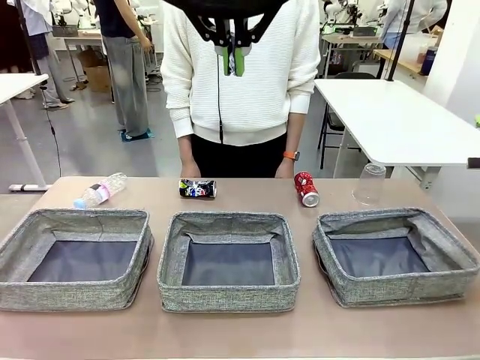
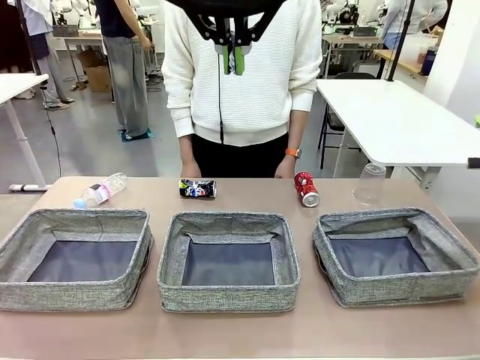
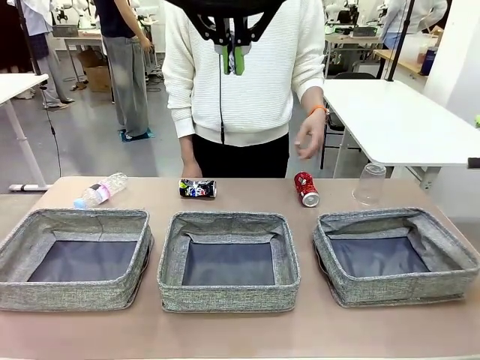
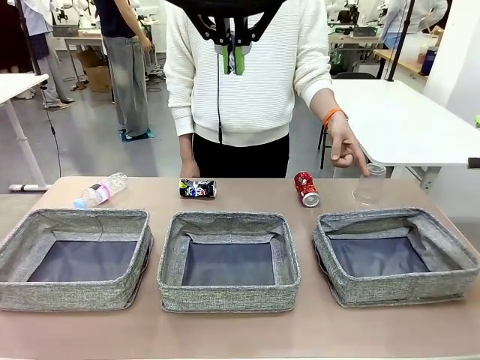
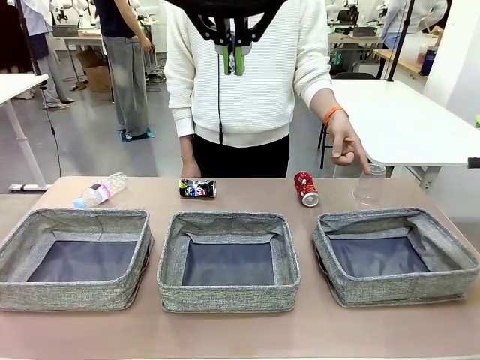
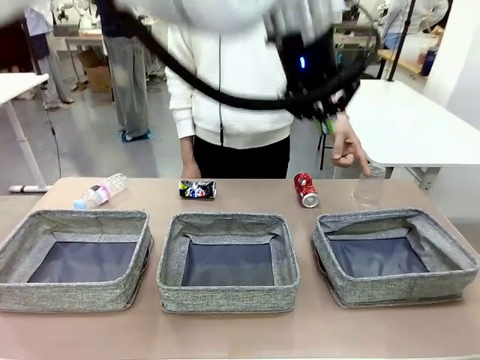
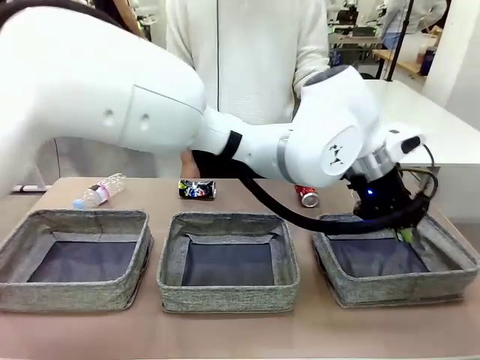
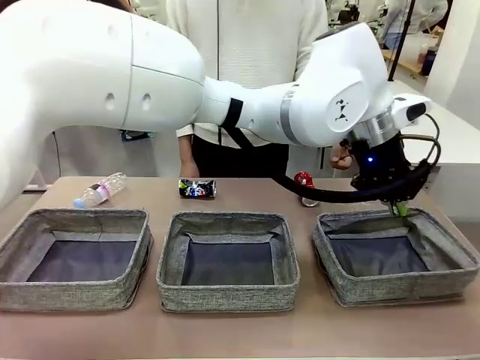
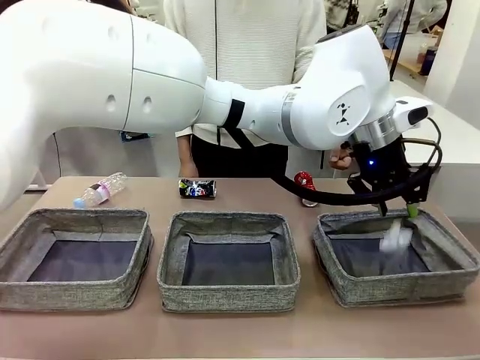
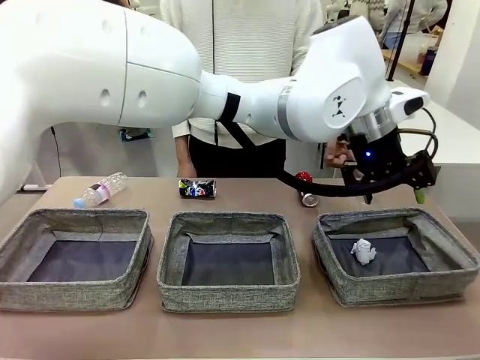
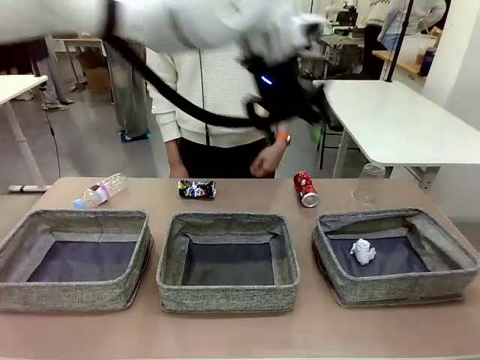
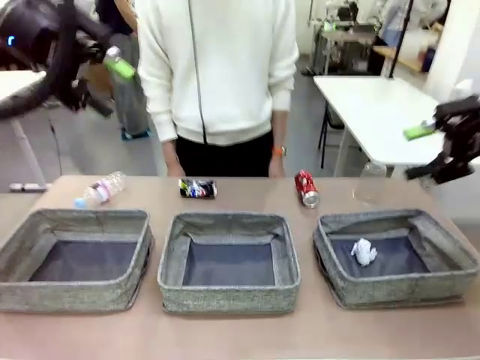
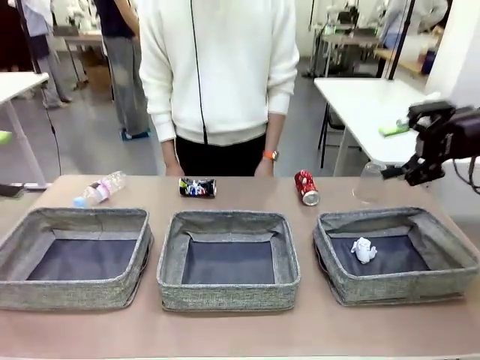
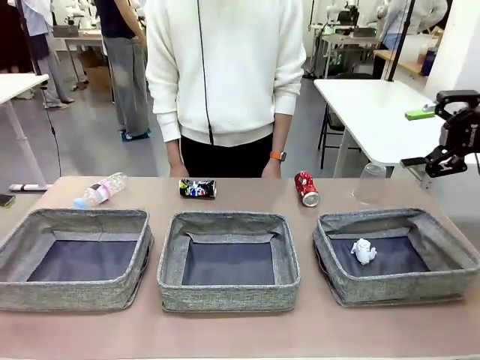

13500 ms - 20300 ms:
Task: Sort the waste into the appropriate baskets.
Robot: Place the picked waste into the Fabric basket indicated by the person.
Person: Instructs the robot to place the picked-up trash into the appropriate organizing basket.

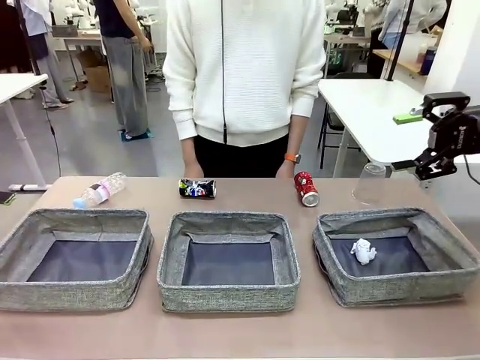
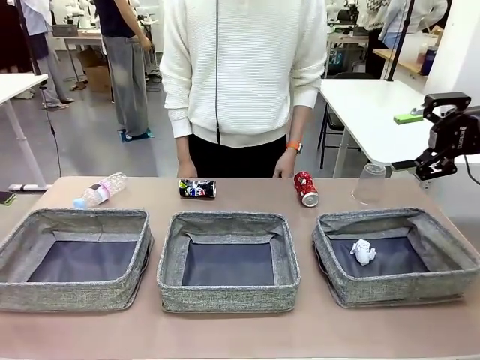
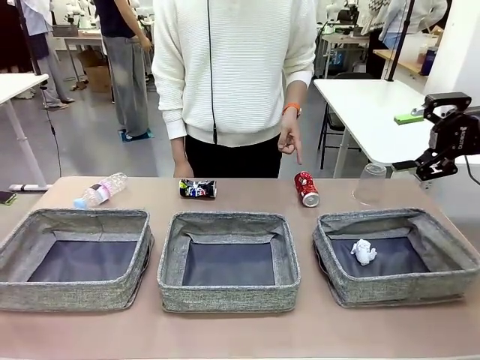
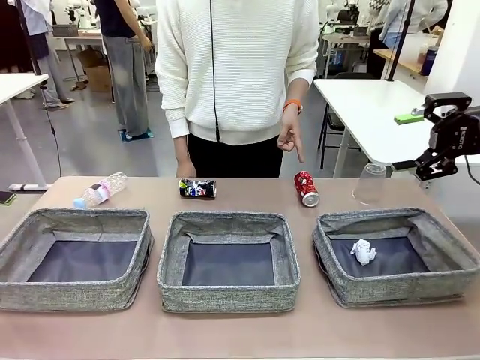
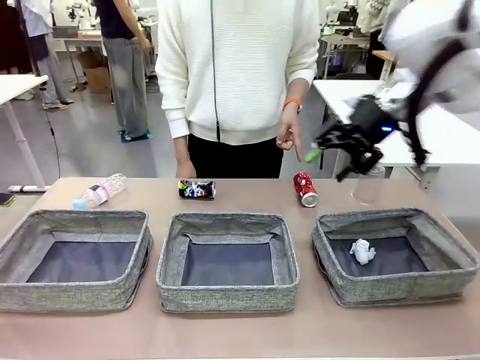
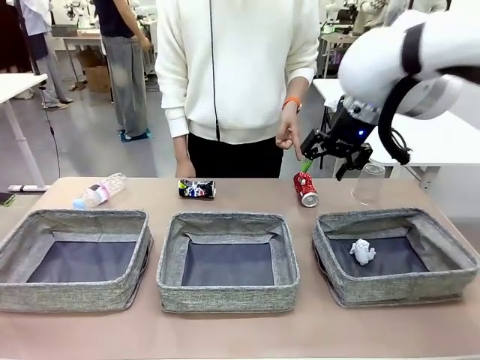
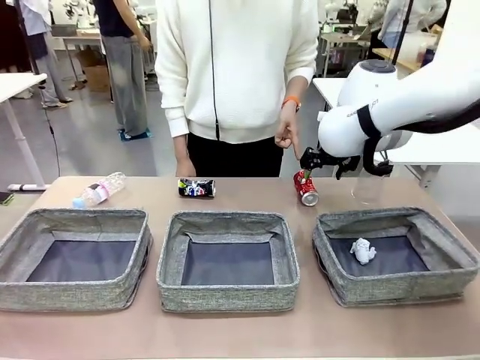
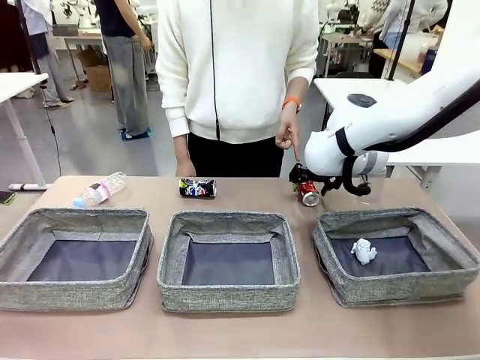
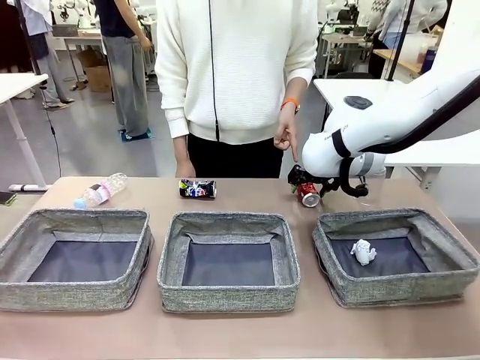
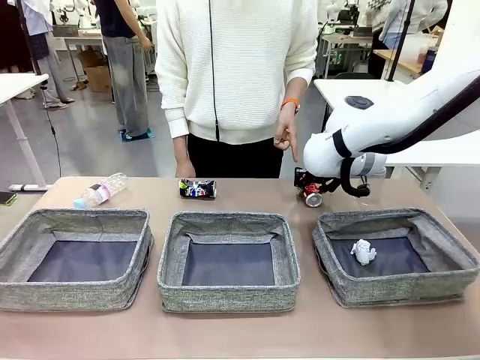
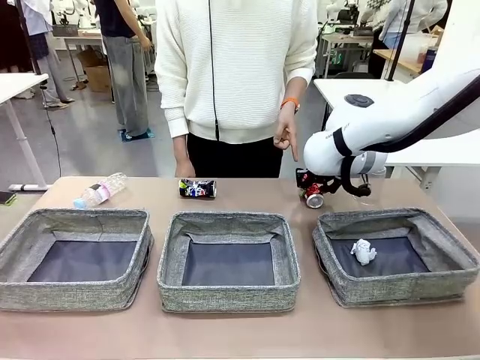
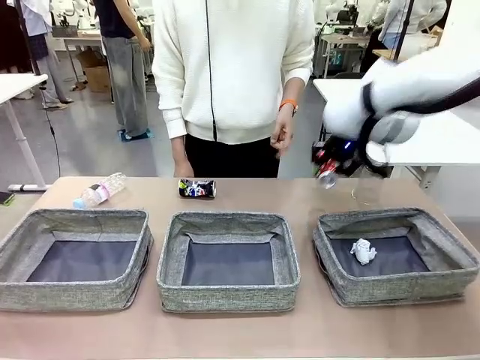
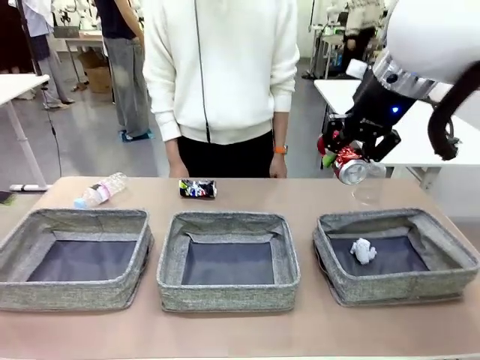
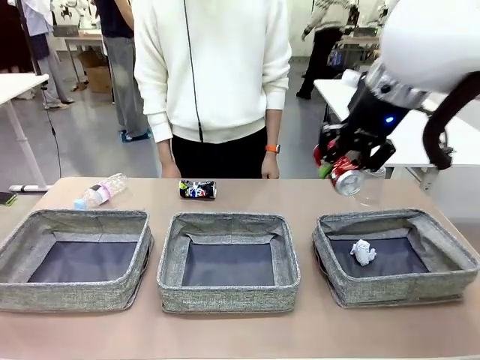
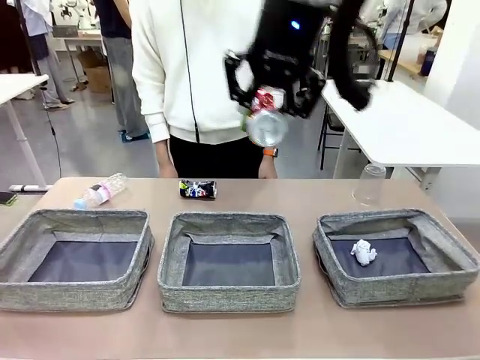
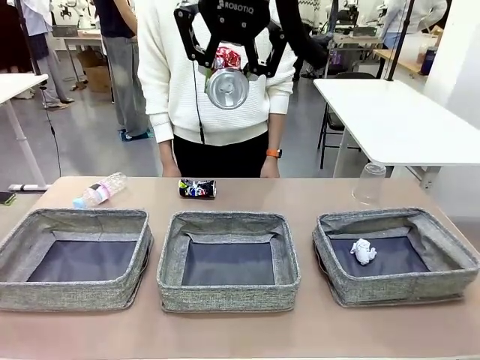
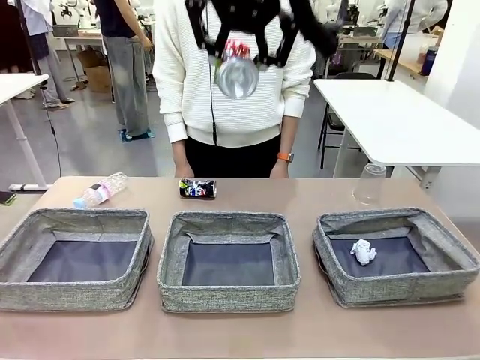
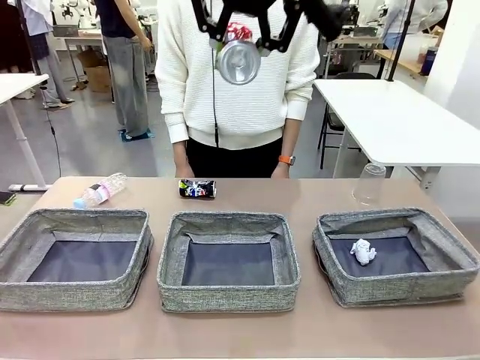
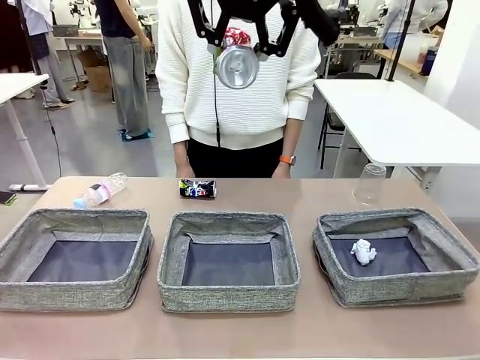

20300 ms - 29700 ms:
Robot: Pick up the waste item pointed out by the person.
Person: Points to one piece of trash on the table.

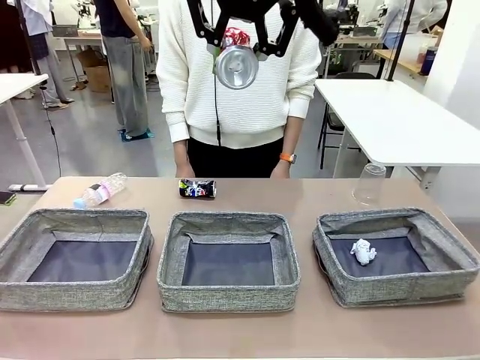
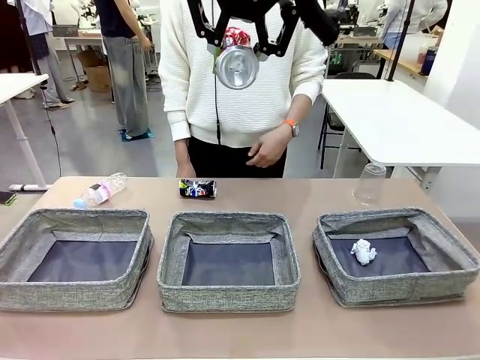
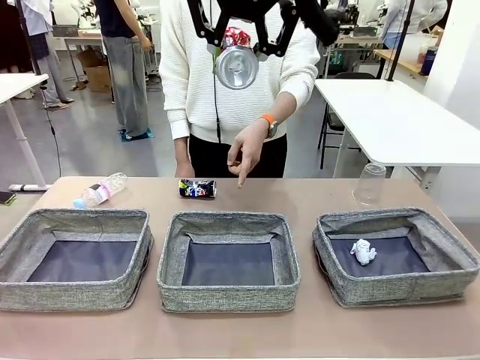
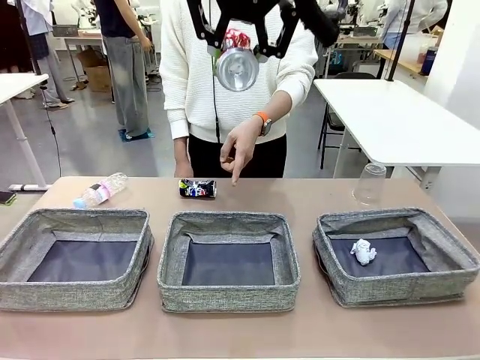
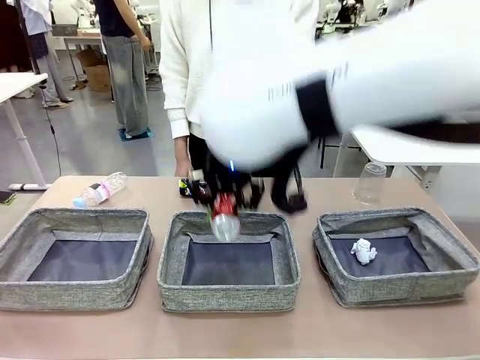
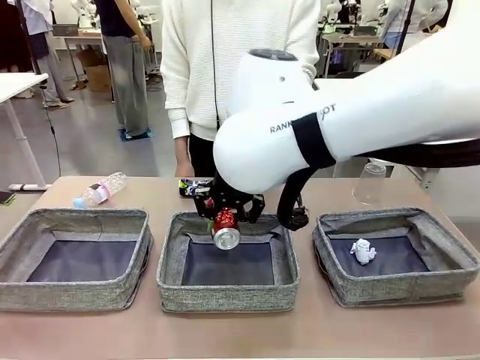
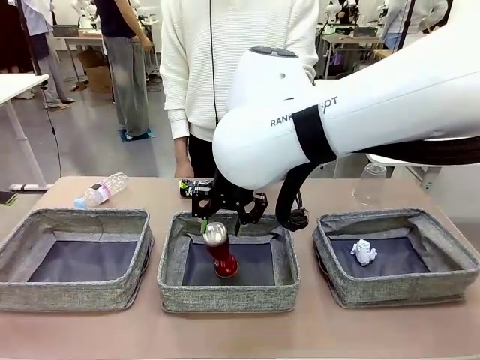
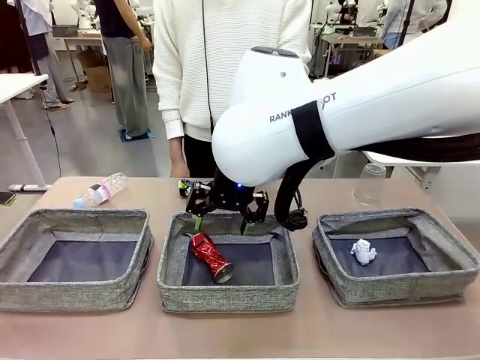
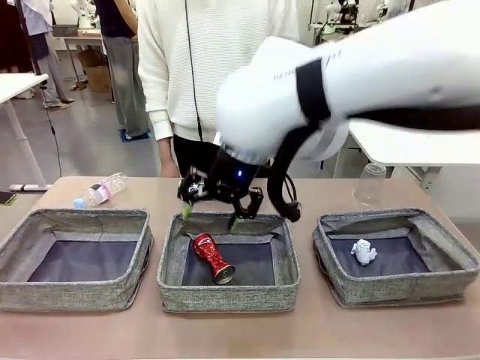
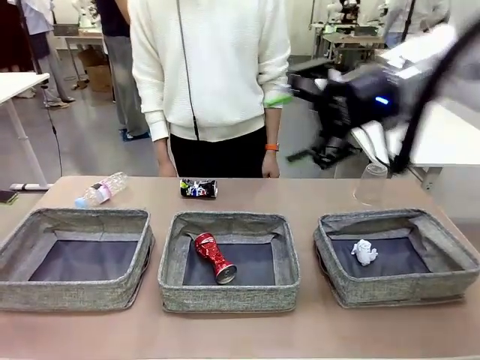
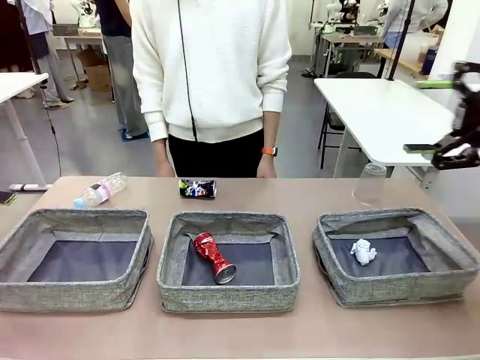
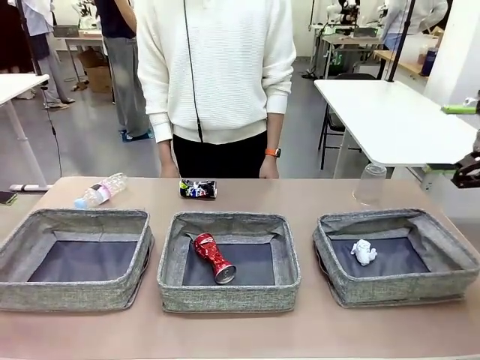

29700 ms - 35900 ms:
Robot: Place the picked waste into the Fabric basket indicated by the person.
Person: Instructs the robot to place the picked-up trash into the appropriate organizing basket.

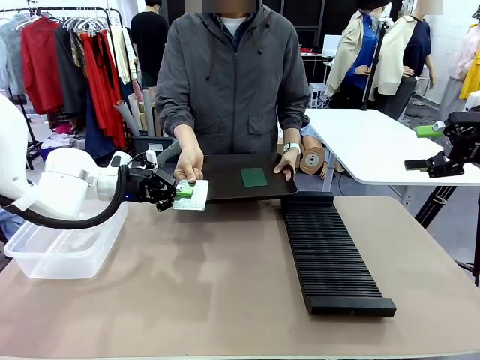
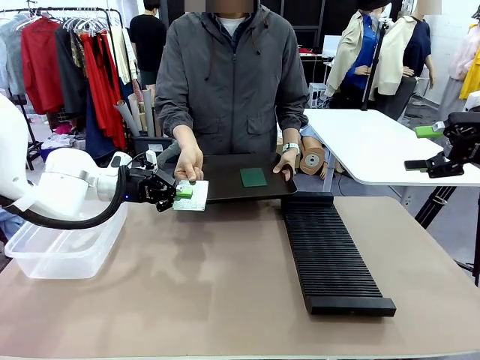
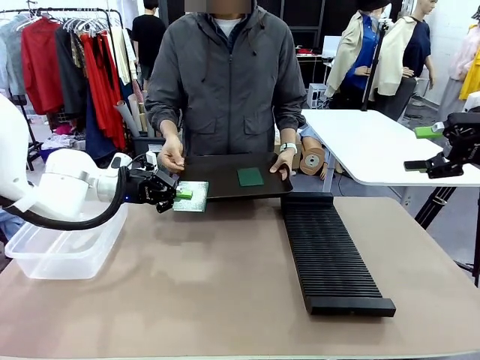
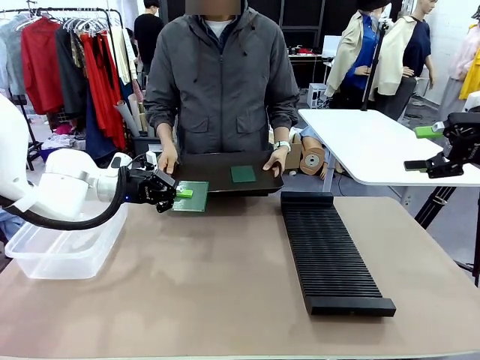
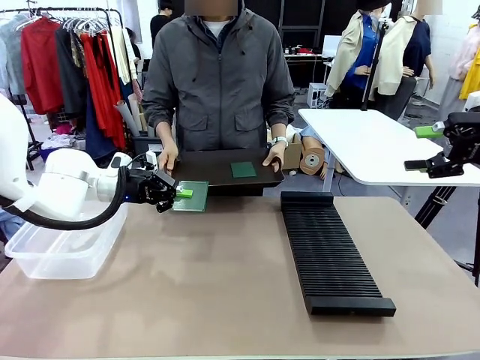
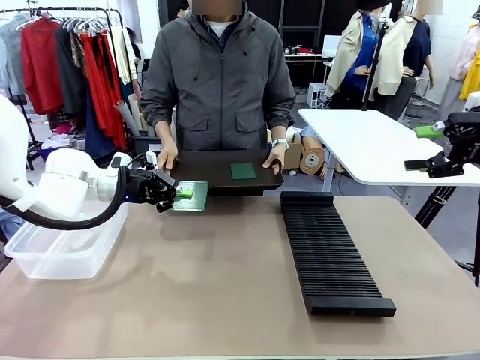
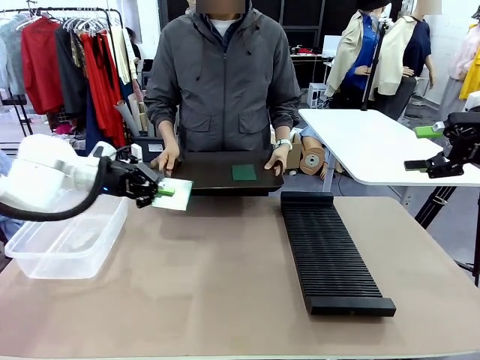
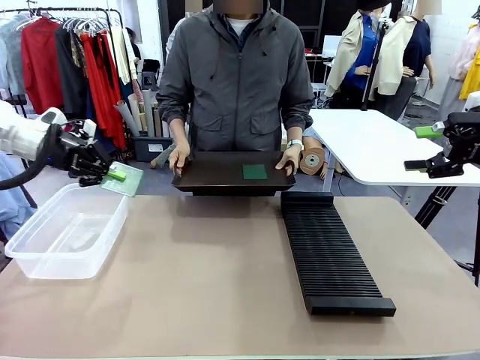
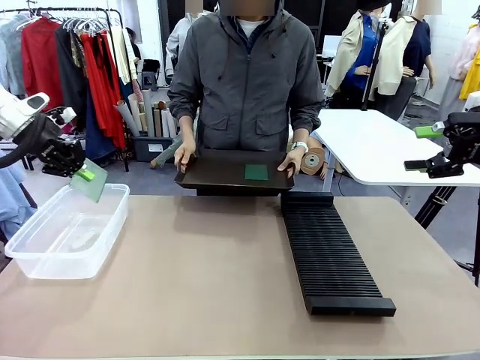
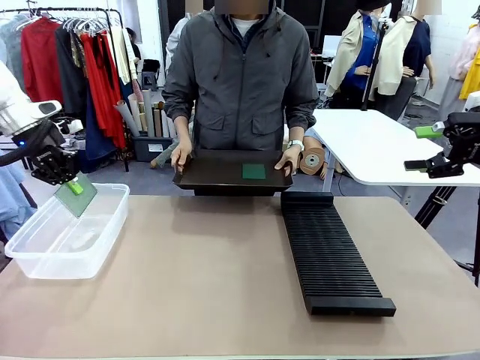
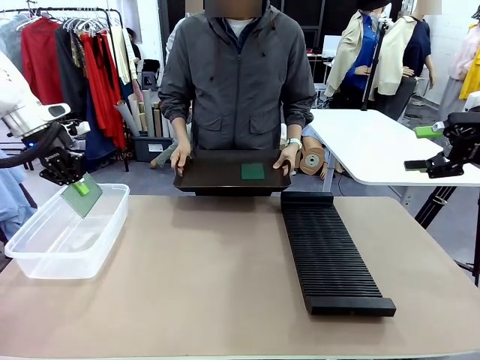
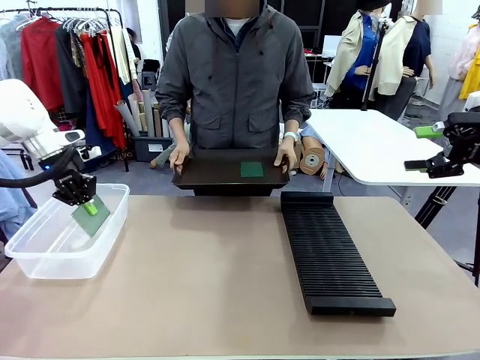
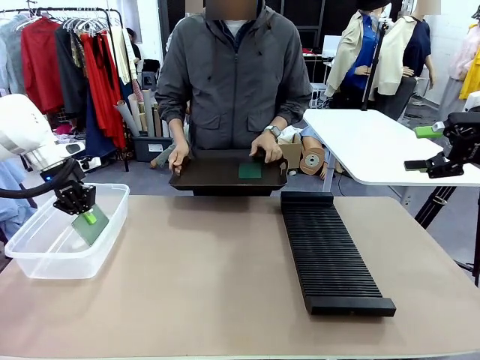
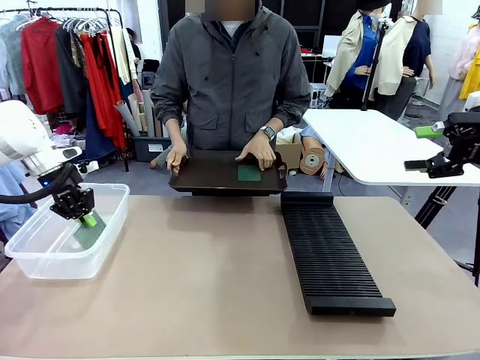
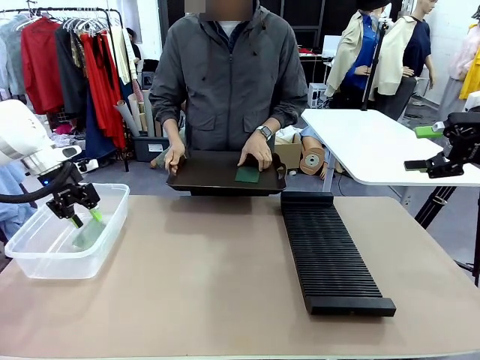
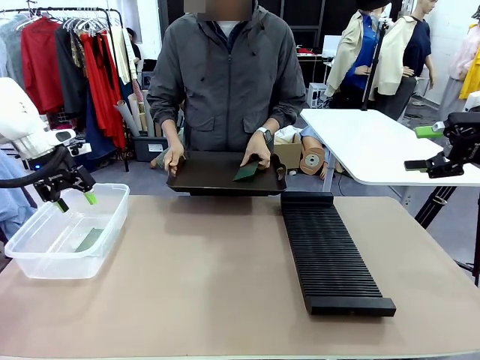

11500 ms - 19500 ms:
Task: Sort PCBs into racks and boxes based on the side picked up.
Robot: If the short side of the Blank PCB is picked up, insert it into the PCB Rack ; if the long side is picked up, place it in the Organizing box.
Person: Pick one PCB from the tray and present it to the robot.
